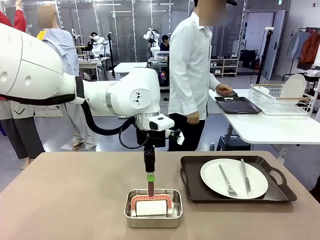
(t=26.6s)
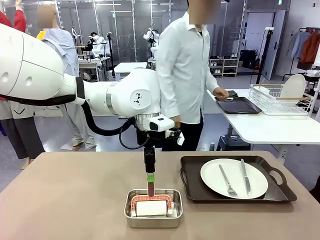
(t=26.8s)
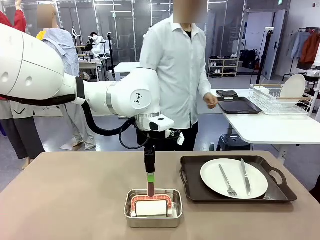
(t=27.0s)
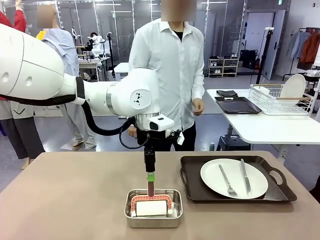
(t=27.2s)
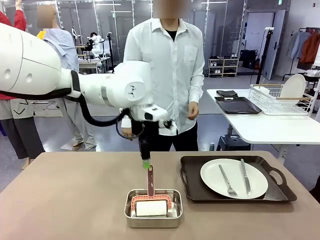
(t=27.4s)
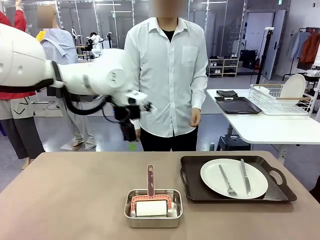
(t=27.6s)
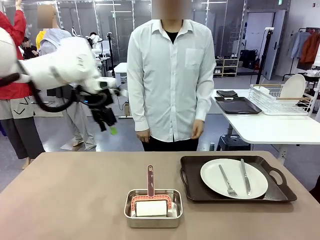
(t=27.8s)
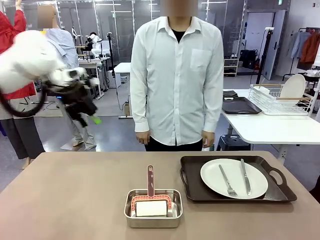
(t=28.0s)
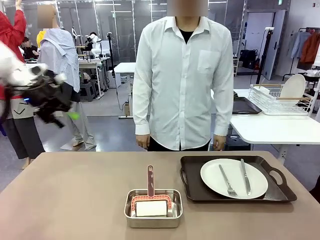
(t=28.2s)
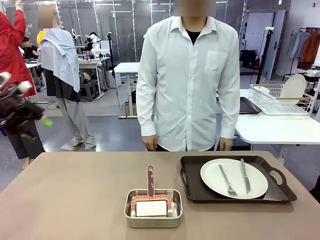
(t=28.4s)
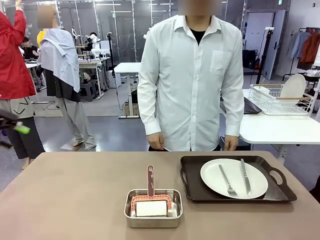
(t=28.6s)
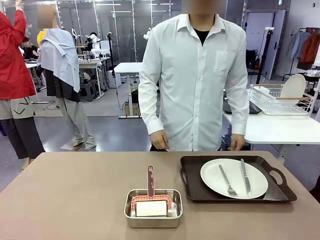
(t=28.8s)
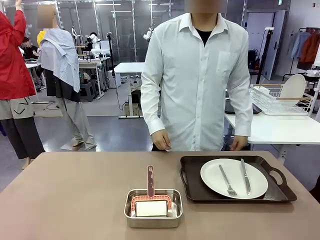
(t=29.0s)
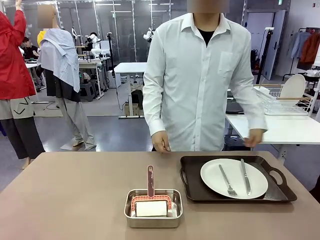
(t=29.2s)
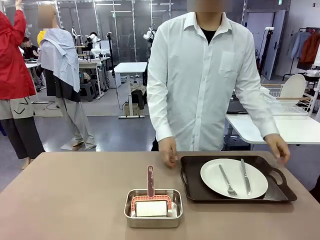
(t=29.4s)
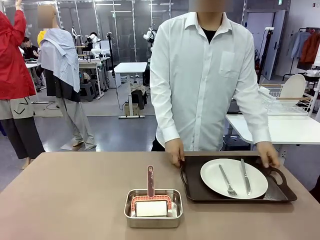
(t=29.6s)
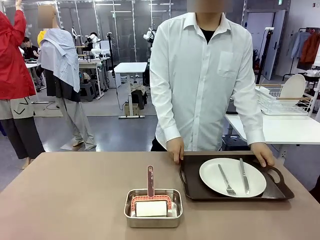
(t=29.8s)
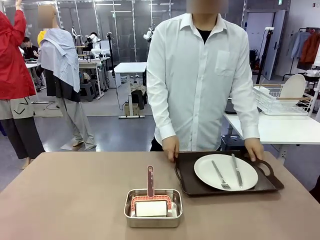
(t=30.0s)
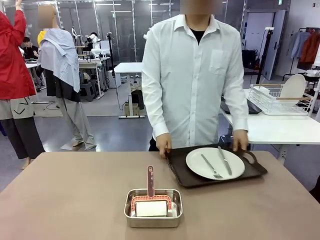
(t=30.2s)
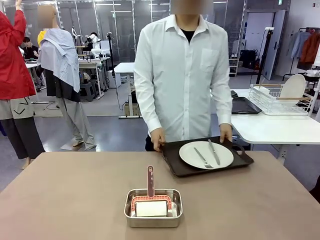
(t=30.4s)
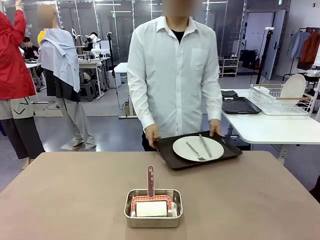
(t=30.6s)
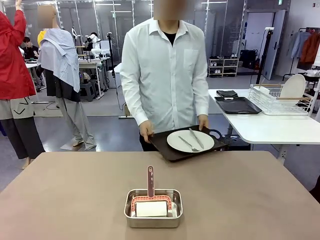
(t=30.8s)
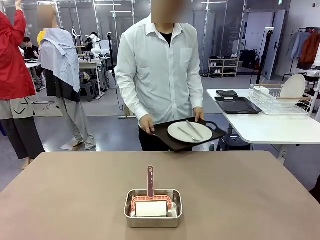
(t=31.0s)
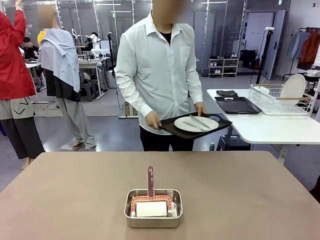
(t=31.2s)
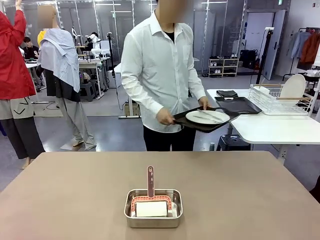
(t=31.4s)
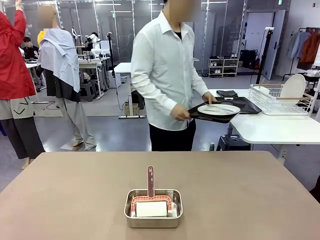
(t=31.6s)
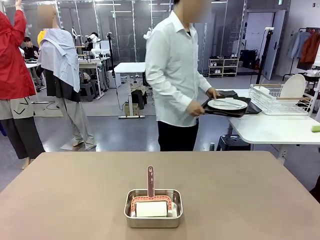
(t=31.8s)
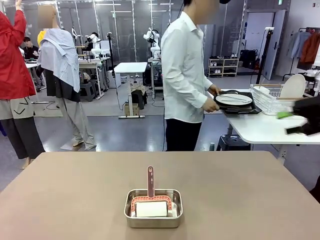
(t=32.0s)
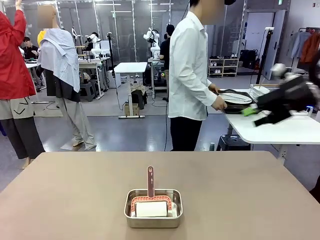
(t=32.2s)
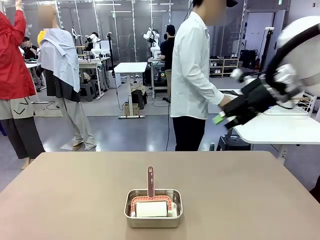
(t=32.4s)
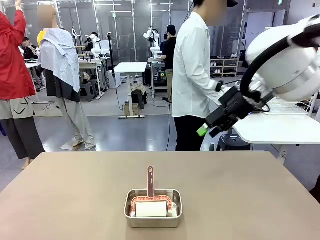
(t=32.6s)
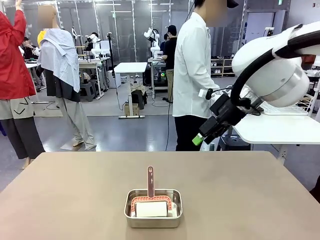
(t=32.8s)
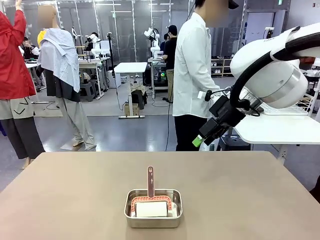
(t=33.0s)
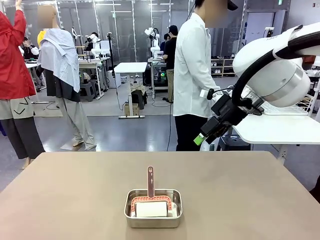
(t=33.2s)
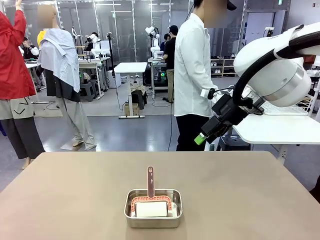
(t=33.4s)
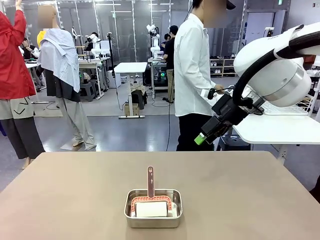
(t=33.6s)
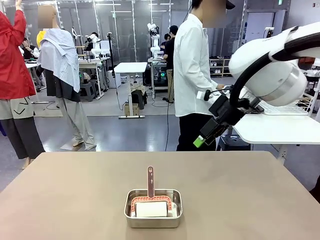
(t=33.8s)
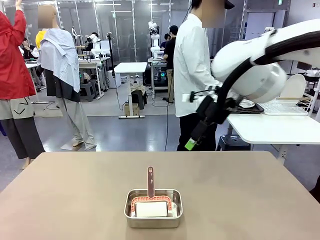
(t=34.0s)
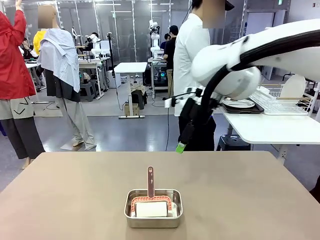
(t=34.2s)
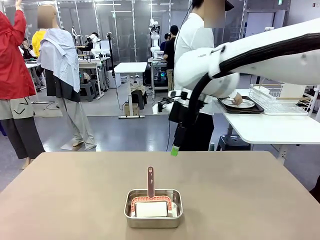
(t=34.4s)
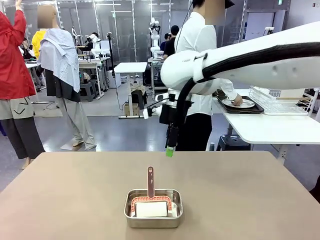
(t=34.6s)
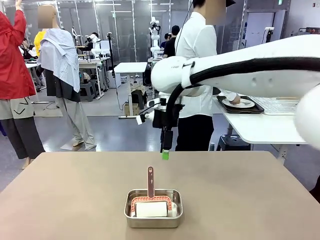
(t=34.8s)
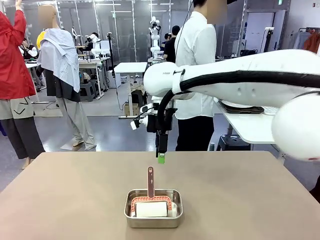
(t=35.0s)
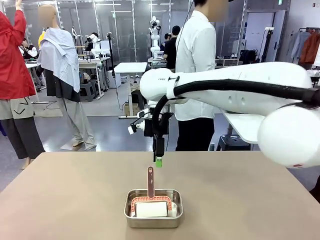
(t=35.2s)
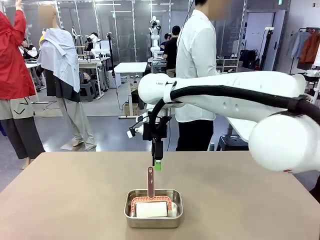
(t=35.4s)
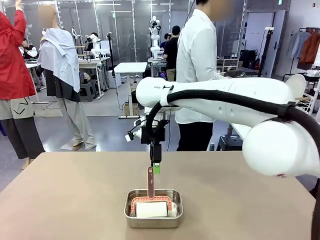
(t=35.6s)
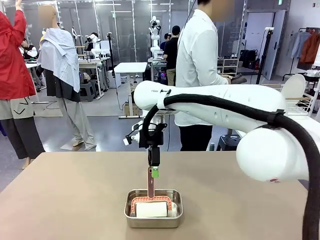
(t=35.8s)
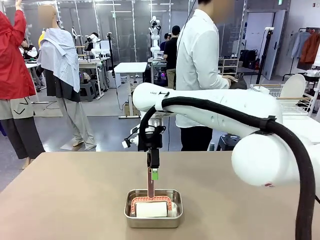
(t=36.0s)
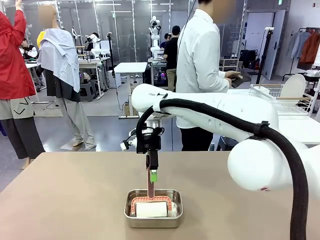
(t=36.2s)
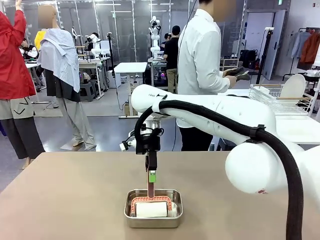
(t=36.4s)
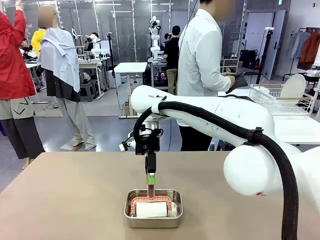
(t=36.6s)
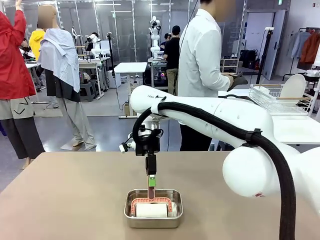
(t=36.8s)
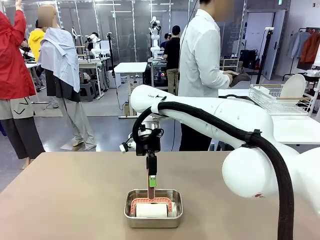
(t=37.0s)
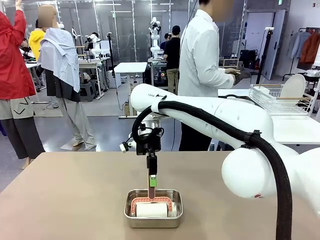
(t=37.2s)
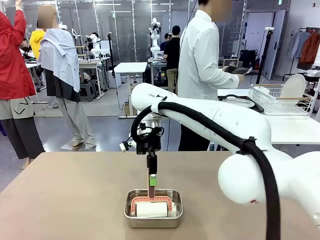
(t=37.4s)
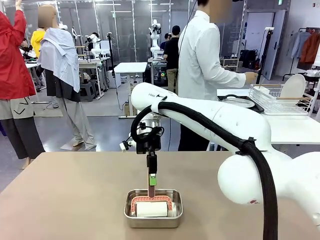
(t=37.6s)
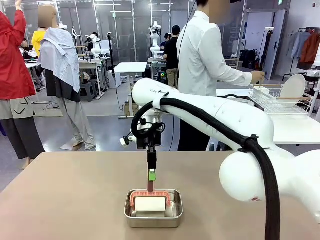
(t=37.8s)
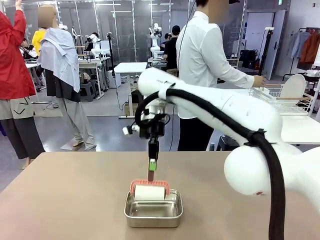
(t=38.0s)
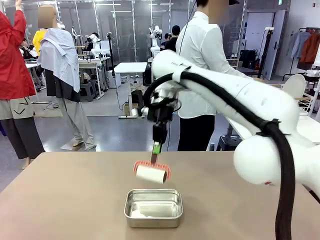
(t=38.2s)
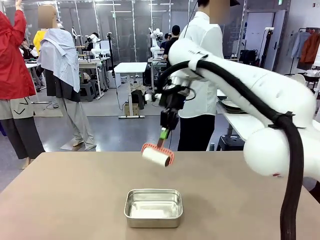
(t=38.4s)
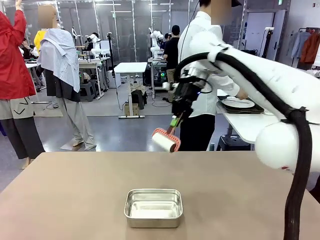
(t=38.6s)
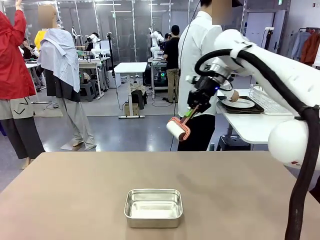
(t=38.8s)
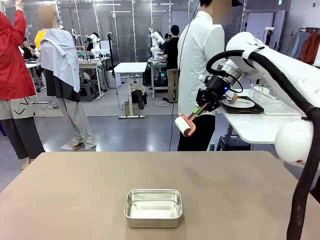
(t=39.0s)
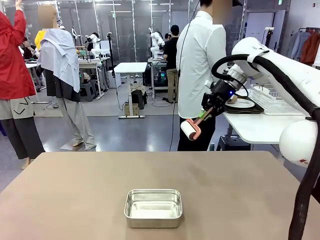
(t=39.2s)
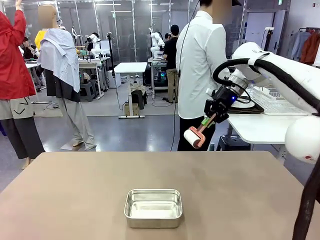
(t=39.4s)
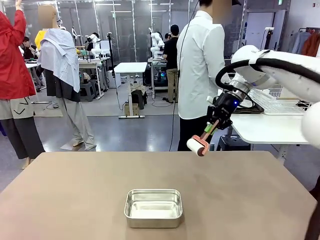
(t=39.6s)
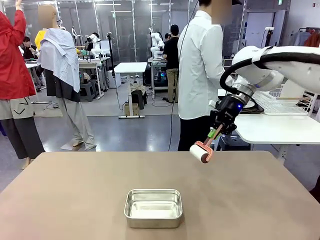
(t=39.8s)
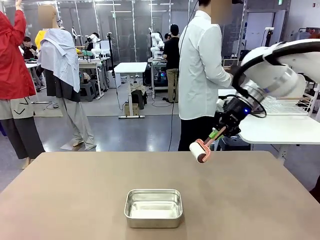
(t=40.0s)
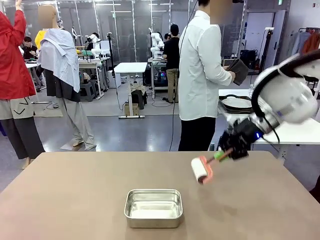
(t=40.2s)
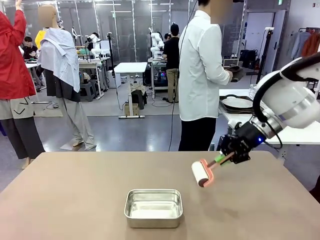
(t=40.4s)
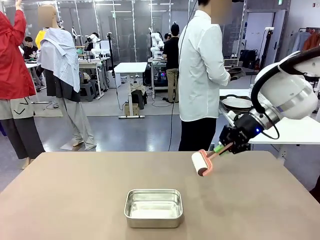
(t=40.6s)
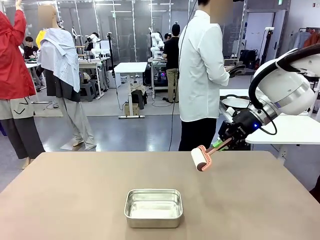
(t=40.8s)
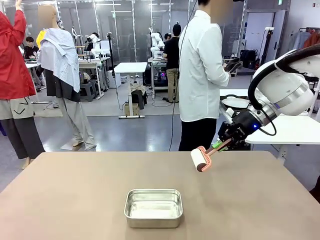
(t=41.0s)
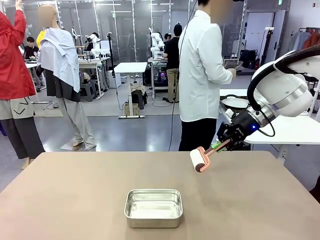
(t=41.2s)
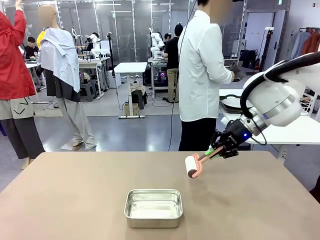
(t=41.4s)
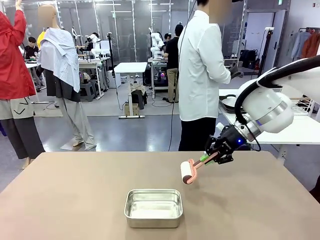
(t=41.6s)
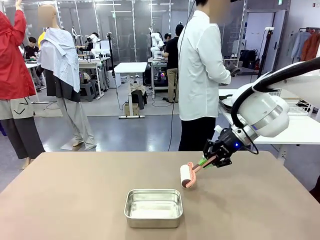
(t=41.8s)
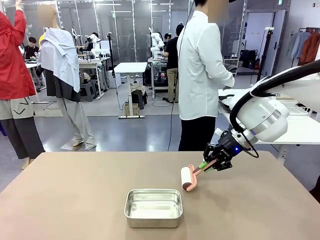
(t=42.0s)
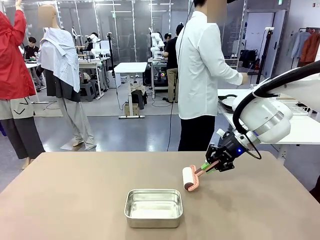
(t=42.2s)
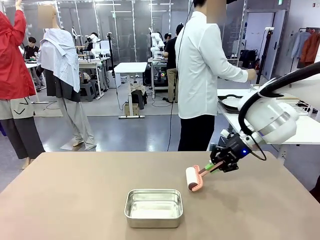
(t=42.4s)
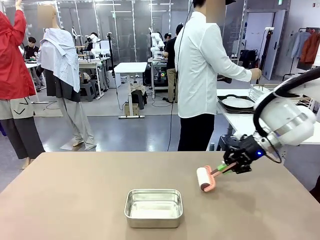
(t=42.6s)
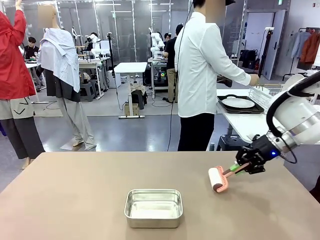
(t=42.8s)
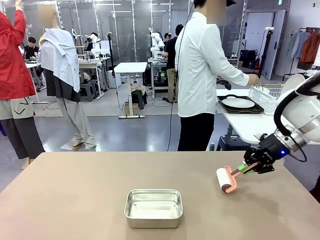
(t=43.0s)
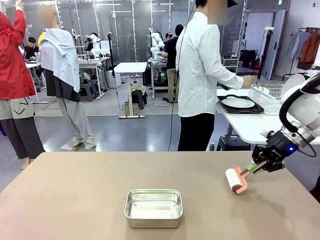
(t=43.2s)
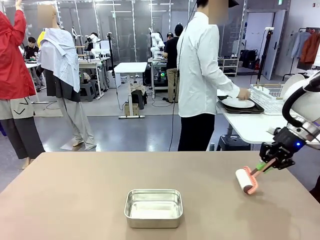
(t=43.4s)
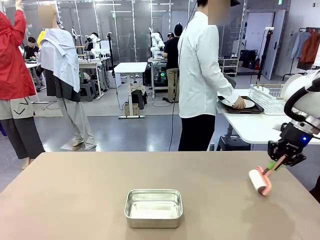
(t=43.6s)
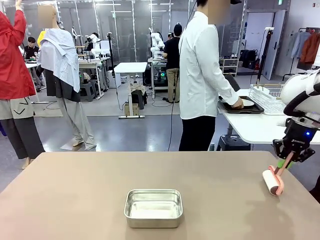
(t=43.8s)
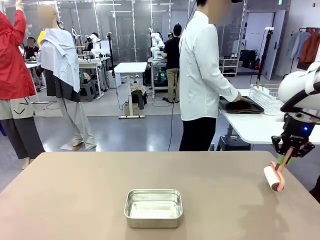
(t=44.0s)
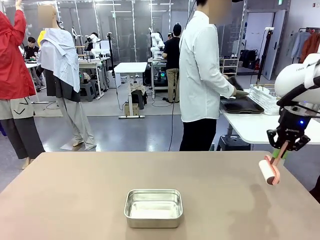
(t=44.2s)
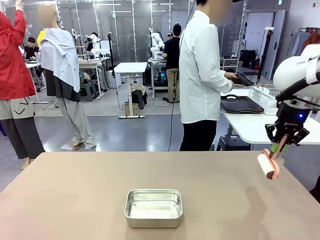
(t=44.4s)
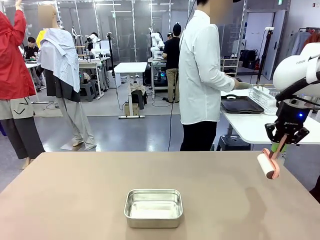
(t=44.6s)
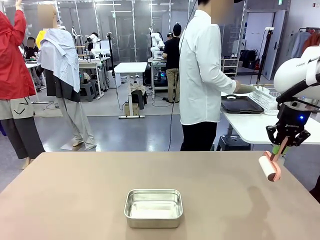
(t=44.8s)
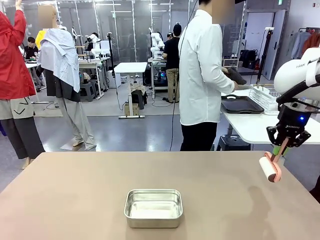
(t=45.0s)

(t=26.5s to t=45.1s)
Robot: When the right (or left) Handle tray is removed, use the right hand (or left hand) to clean the right (or left) side of the table with the Lint Roller.
Person: Pick up the left (or right) Handle tray and place it on the Handle tray. Use the Towel with hook to wipe the Plastic Matte Plate , Fork , and Knife and place into the Dish drying rack.
